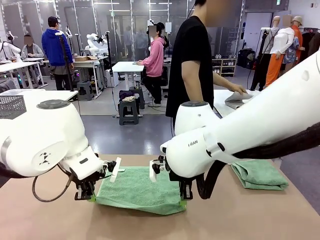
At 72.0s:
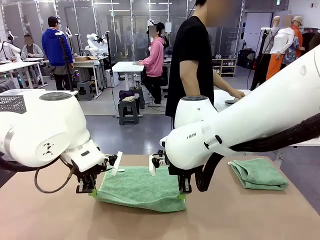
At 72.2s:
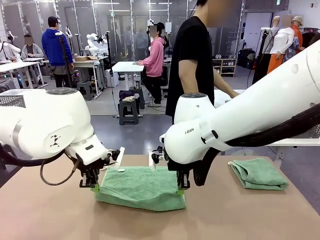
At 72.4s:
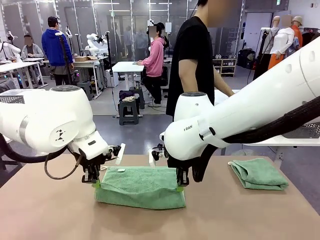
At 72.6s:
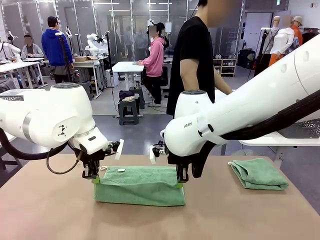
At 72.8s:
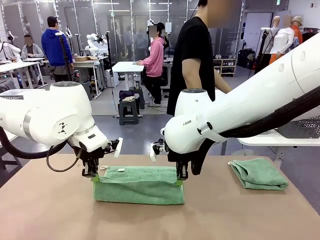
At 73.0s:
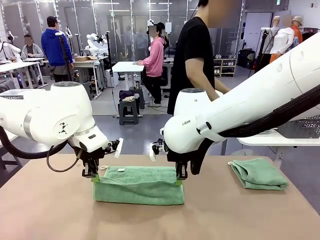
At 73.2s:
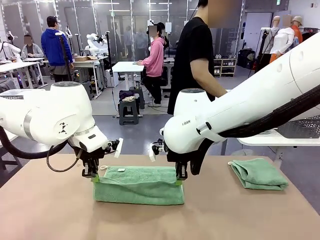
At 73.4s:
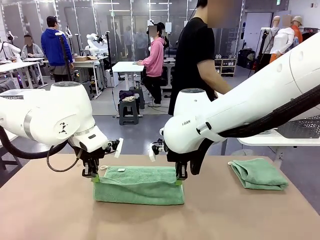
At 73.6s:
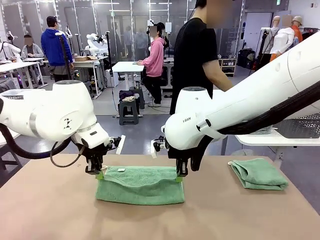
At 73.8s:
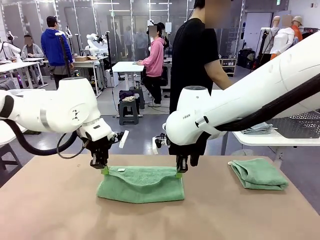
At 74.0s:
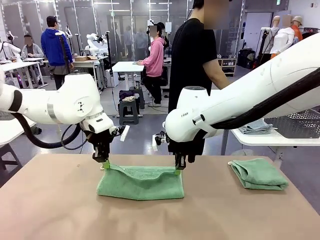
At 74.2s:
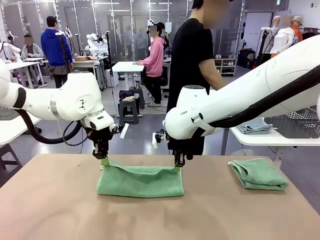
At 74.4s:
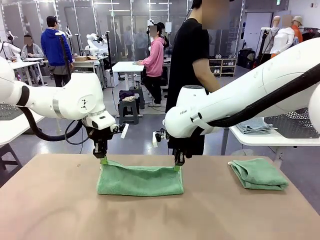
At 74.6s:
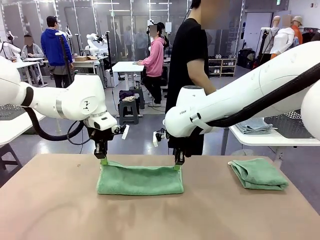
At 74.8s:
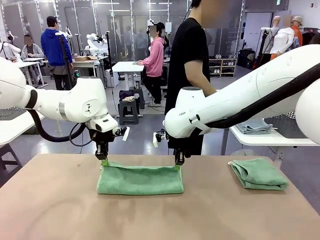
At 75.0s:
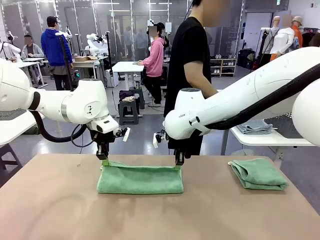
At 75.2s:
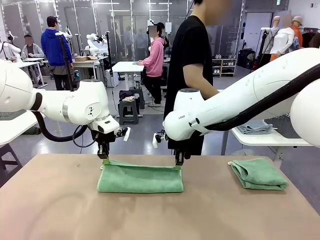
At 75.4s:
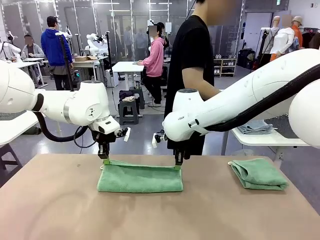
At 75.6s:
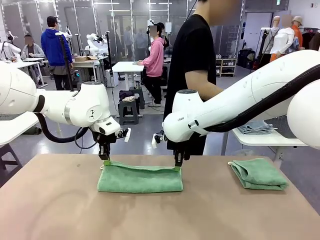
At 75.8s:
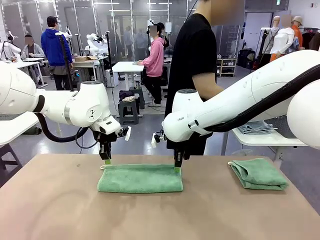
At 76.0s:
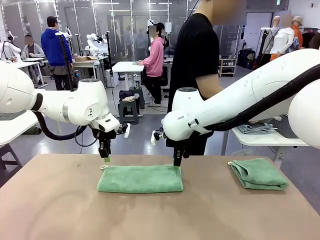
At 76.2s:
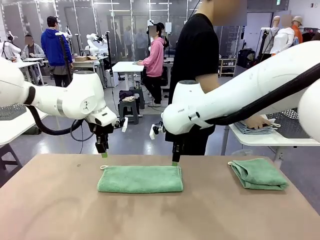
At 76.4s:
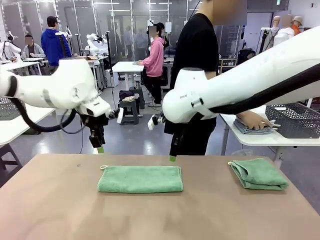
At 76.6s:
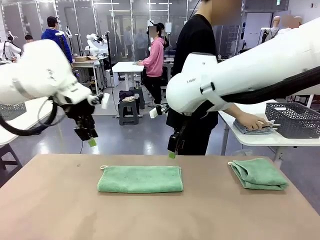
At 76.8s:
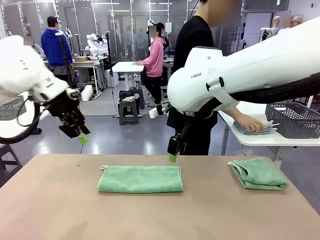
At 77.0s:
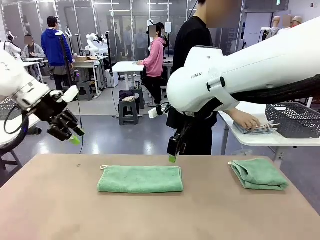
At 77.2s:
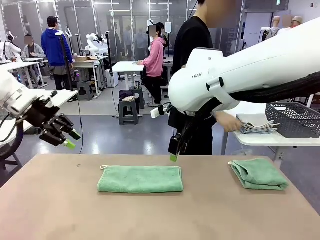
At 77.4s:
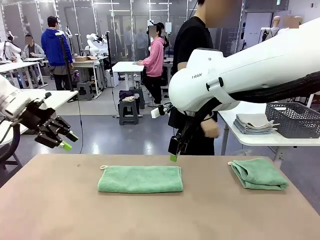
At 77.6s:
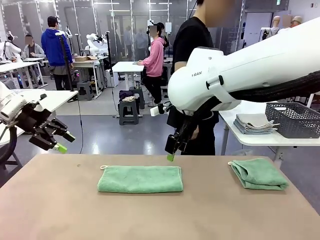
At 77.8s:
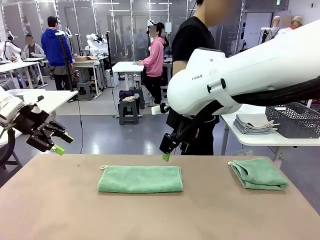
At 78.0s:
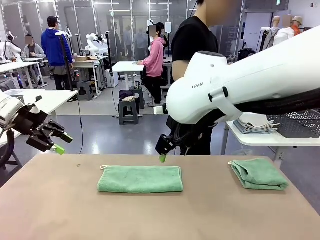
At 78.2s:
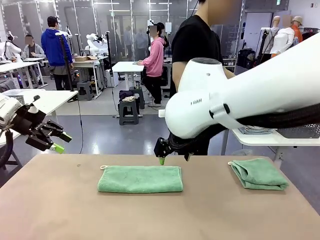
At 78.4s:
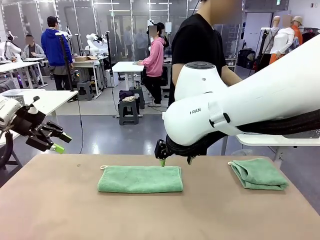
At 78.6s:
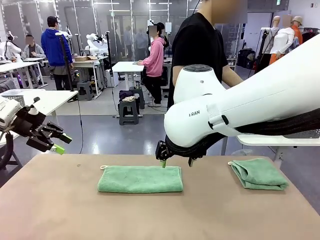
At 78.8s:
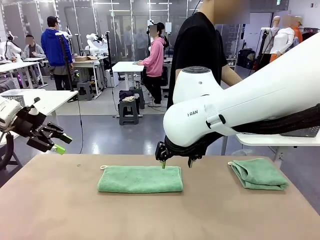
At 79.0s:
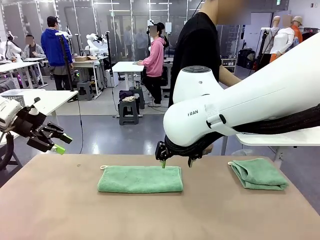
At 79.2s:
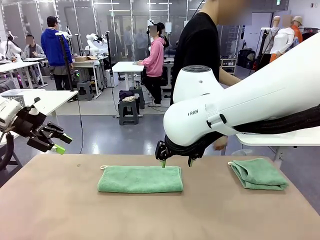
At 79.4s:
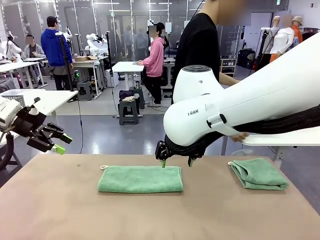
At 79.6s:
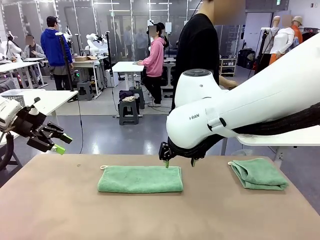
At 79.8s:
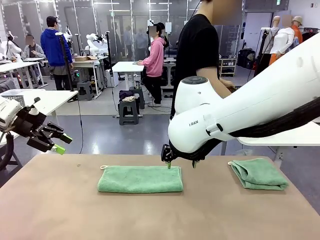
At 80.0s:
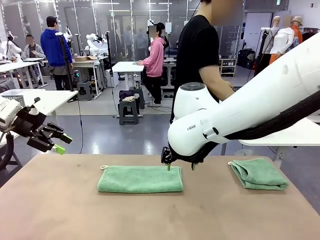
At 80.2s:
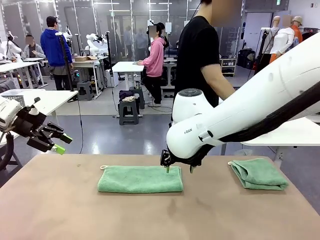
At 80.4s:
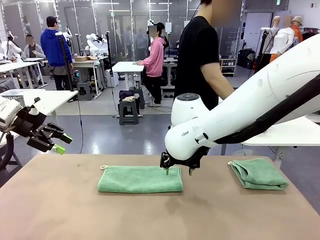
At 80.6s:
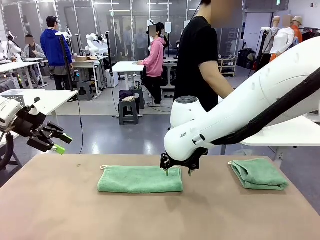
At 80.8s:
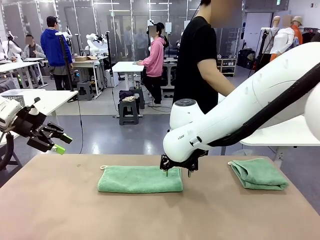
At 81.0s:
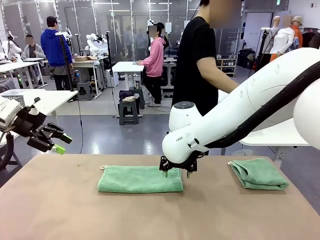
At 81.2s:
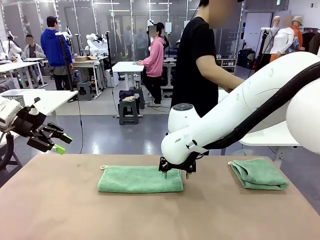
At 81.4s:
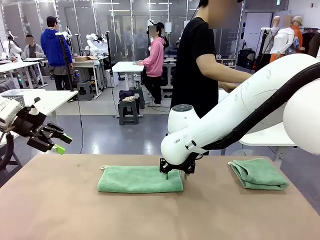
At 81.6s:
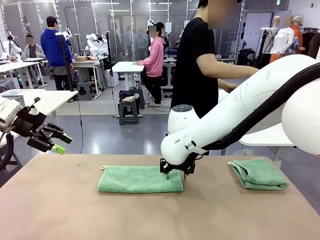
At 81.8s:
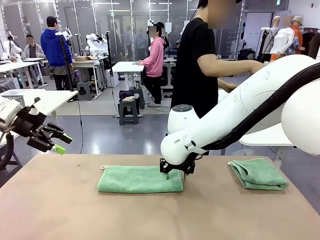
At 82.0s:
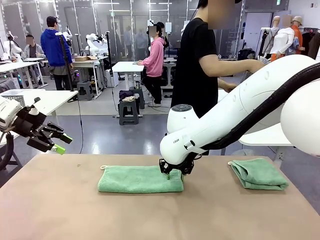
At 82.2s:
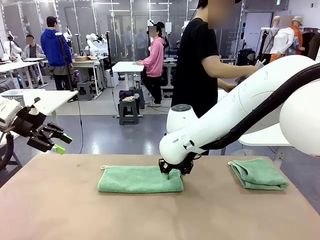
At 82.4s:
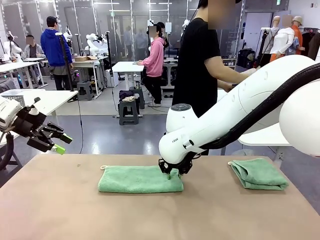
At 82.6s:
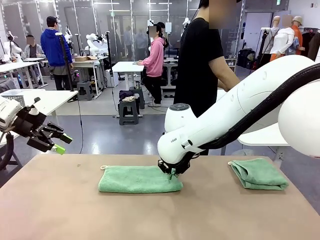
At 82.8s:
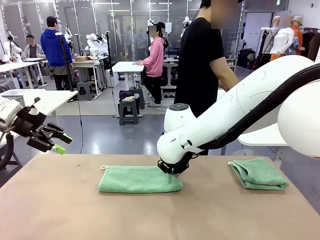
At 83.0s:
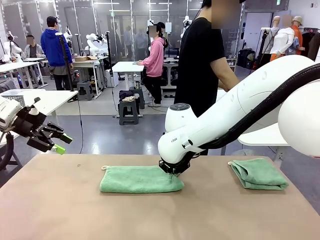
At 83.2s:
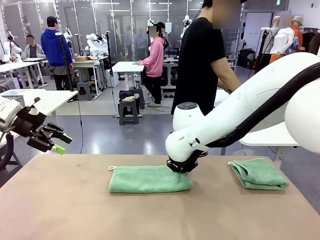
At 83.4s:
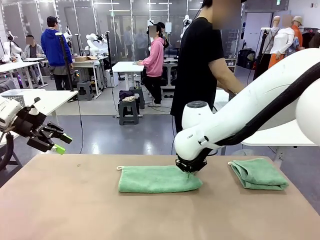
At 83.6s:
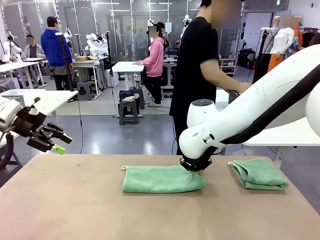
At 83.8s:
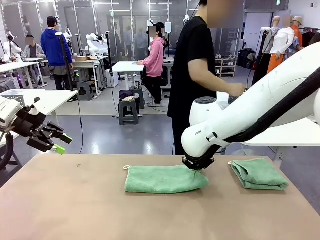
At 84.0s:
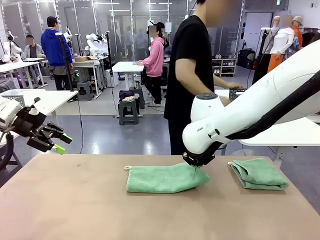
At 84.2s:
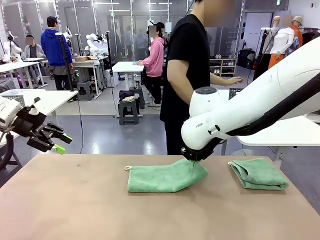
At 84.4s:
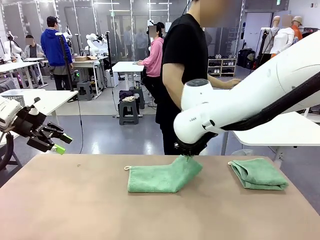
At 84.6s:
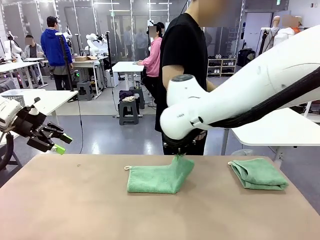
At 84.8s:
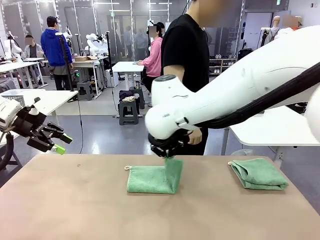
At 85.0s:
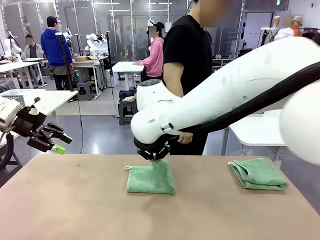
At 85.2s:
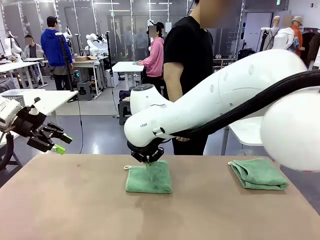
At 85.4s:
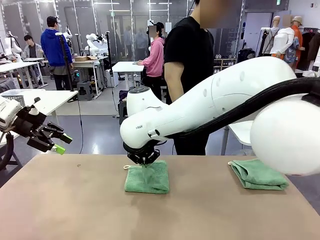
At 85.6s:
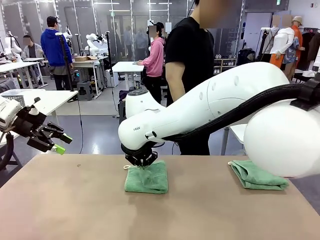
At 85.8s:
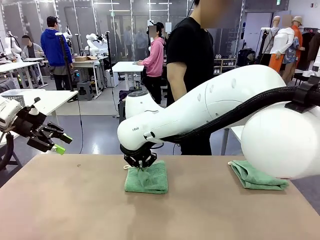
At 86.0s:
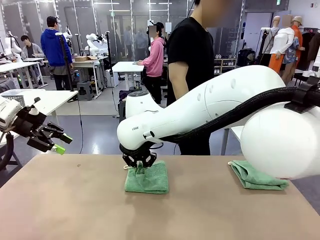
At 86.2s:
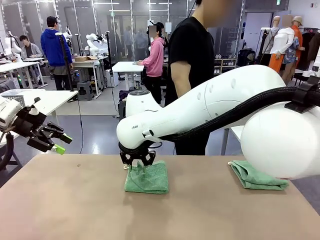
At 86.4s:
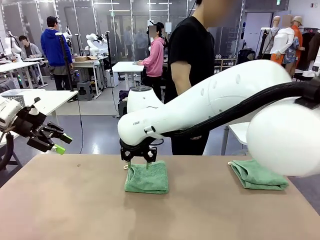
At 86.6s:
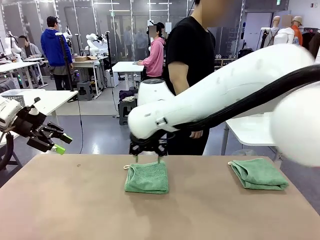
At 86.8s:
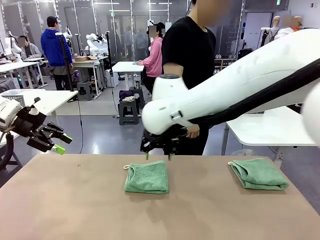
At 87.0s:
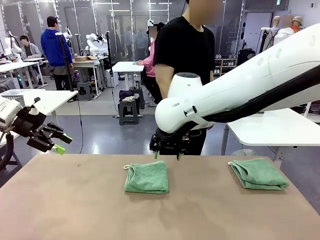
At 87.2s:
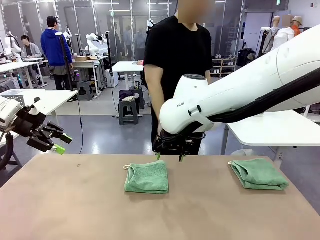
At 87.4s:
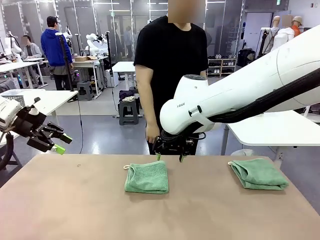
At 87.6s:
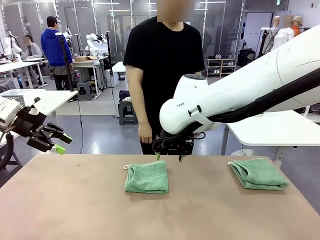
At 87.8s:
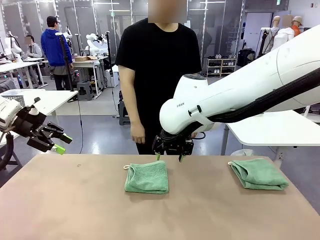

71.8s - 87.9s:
Task: Fold the towels and place them in the basket.
Robot: When a person lays out a Towel with hook on the table, fold it in half twice.
Person: Pick up the stack of towels from the right side of the human table, place it into the basket, and put the basket at the center of the table.

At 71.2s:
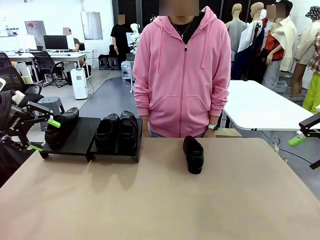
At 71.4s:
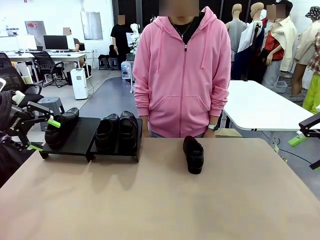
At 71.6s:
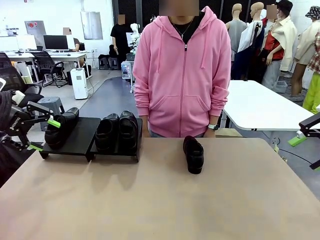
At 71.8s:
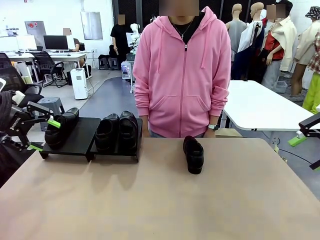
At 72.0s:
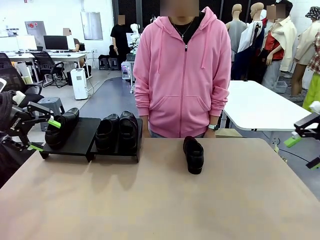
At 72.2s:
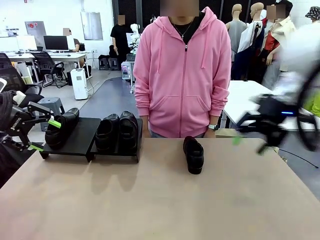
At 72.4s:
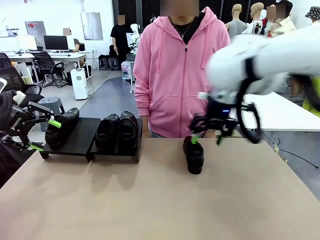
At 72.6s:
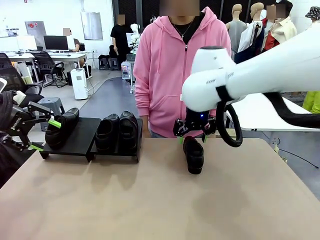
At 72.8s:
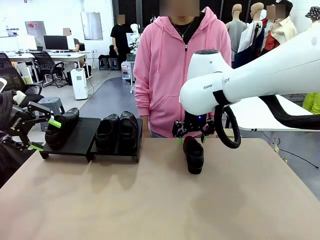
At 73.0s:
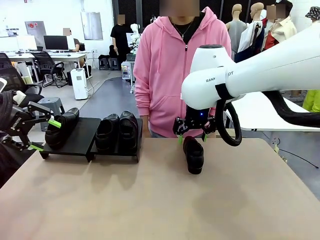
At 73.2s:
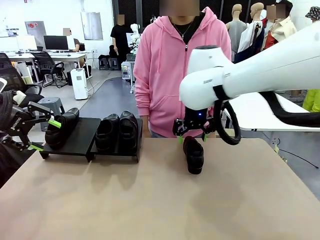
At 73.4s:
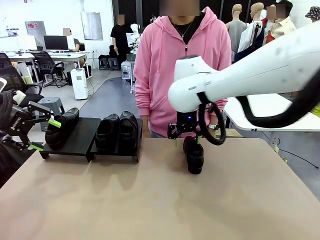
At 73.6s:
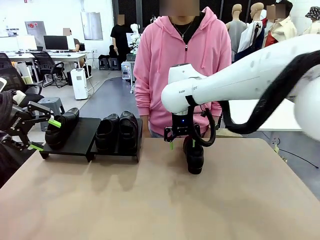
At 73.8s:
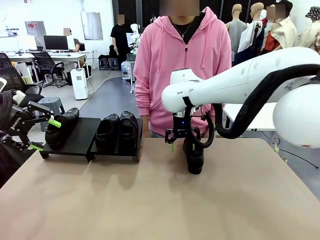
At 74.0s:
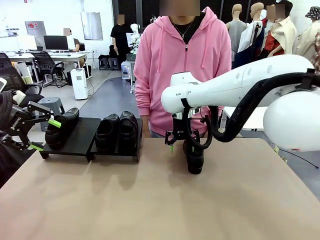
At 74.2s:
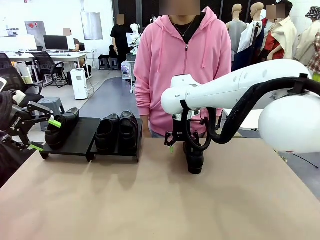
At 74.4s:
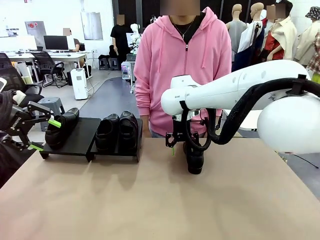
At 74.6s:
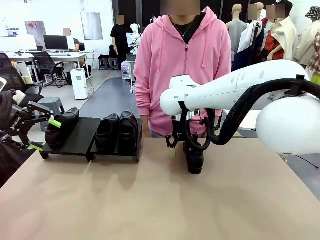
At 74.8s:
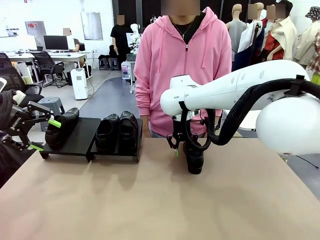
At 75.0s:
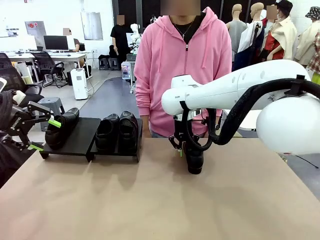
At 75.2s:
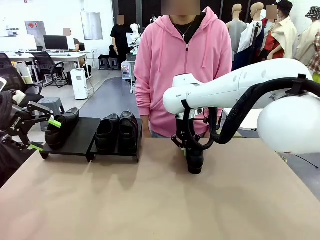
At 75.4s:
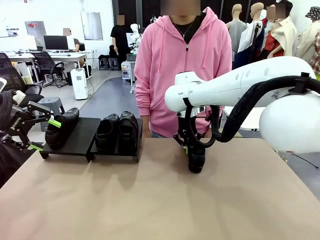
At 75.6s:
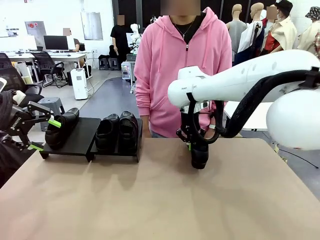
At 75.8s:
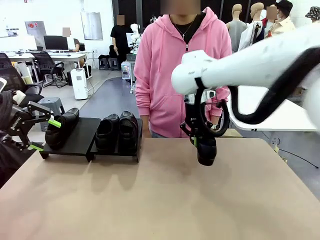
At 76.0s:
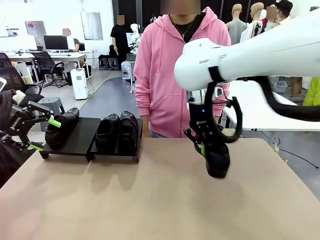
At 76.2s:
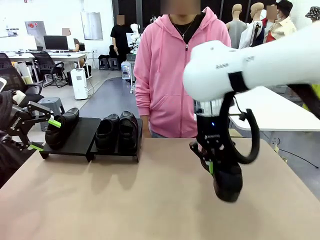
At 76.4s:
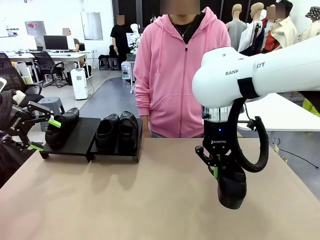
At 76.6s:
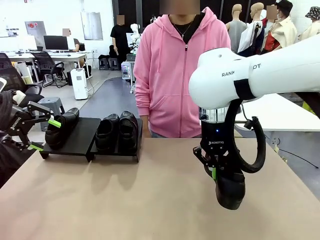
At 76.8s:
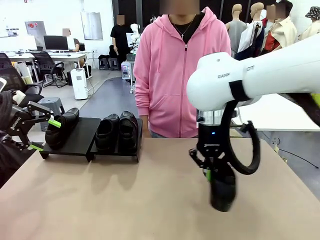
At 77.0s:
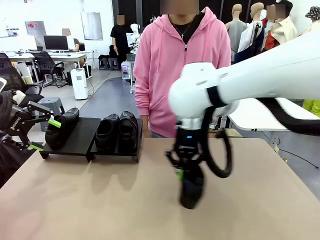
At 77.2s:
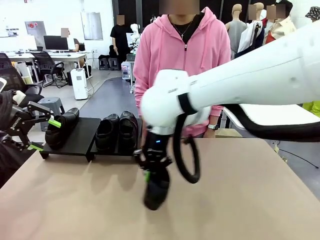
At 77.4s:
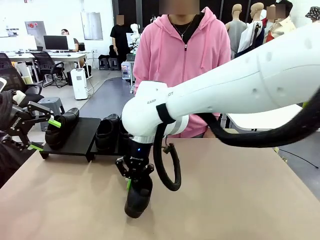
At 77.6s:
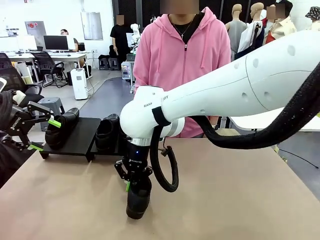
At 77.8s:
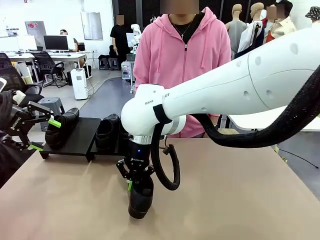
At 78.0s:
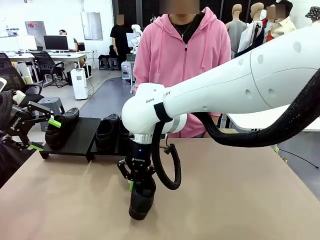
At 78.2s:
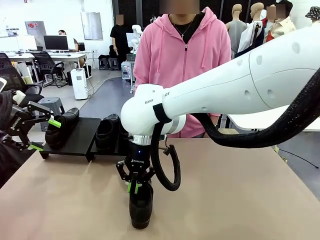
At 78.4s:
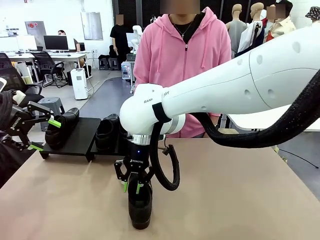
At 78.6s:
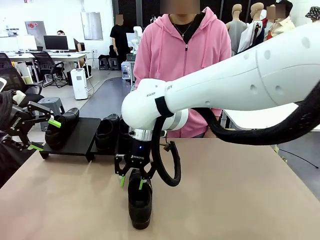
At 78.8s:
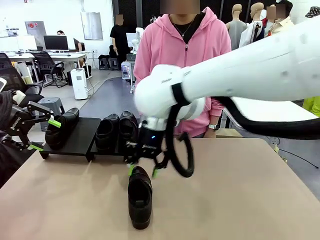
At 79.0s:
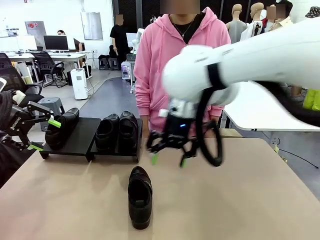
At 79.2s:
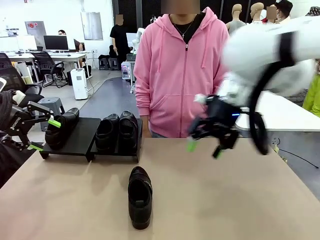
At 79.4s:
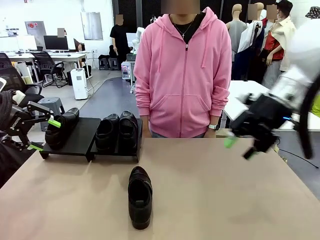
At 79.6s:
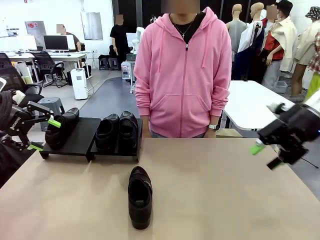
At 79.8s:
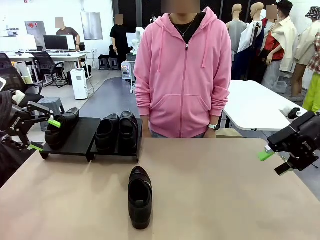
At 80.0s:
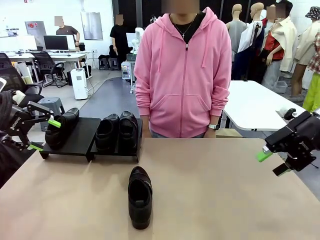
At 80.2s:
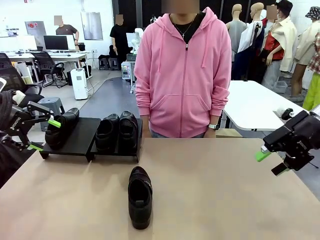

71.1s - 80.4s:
Task: Organize the shoes by placing them on the stand.
Robot: Pick up one Shoe and place it in the middle of the table.
